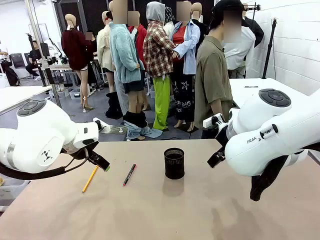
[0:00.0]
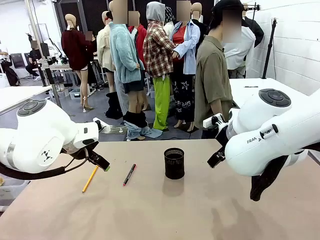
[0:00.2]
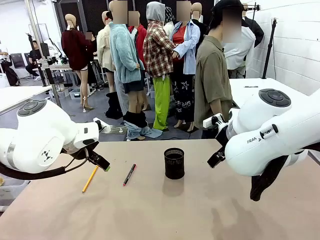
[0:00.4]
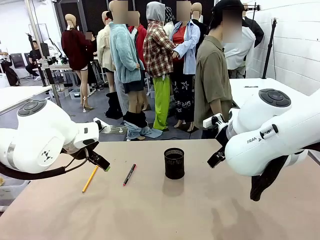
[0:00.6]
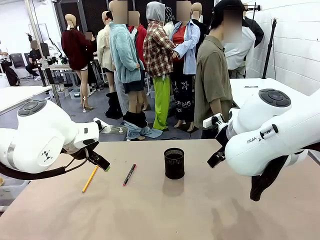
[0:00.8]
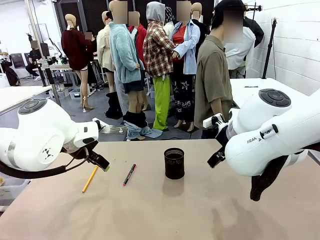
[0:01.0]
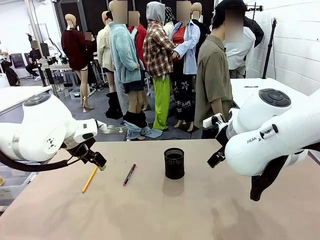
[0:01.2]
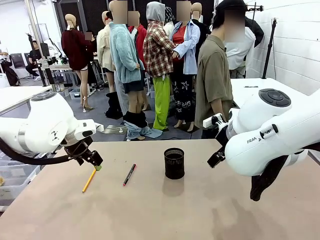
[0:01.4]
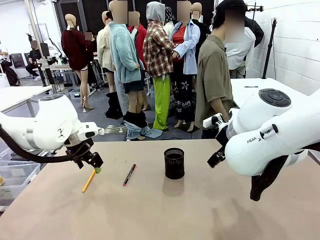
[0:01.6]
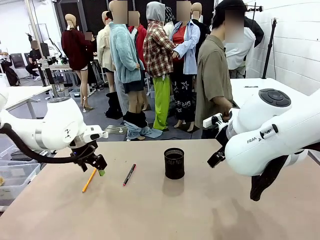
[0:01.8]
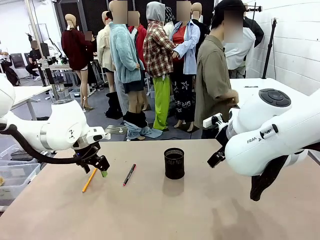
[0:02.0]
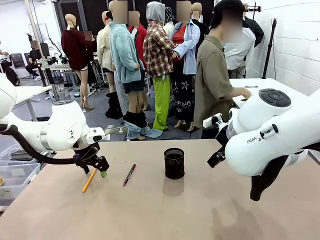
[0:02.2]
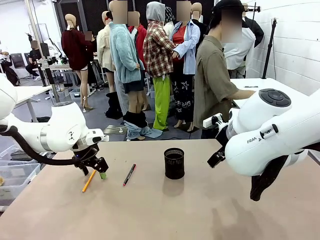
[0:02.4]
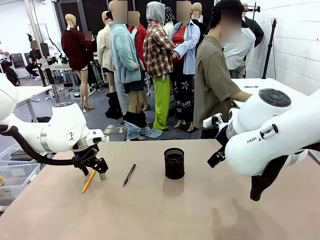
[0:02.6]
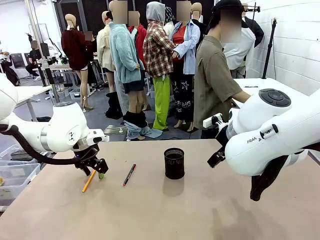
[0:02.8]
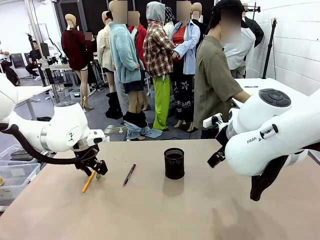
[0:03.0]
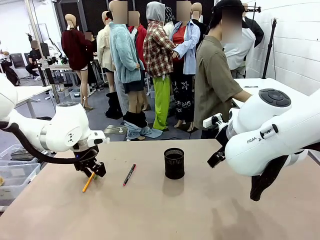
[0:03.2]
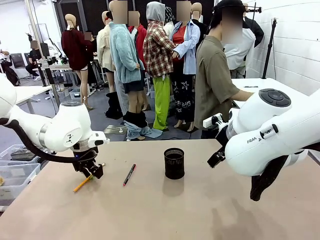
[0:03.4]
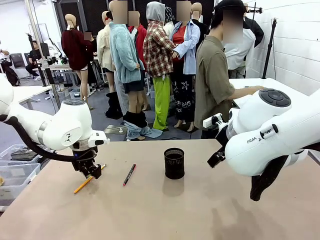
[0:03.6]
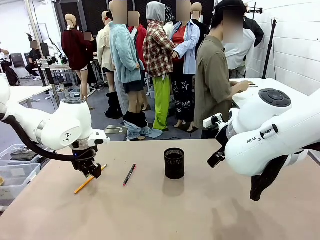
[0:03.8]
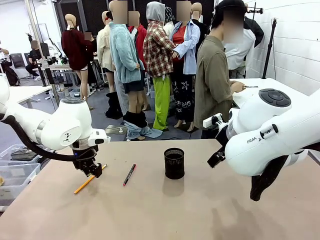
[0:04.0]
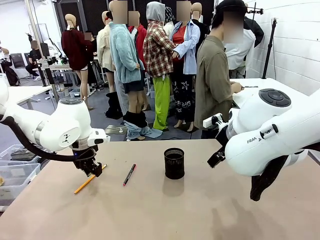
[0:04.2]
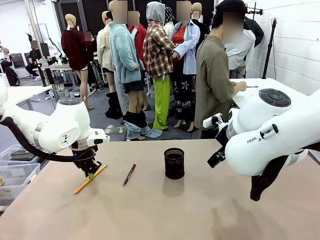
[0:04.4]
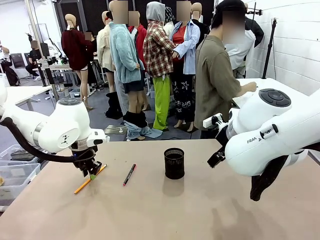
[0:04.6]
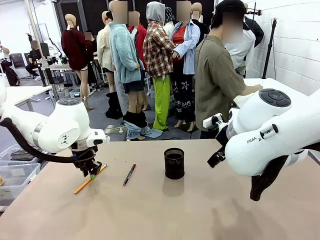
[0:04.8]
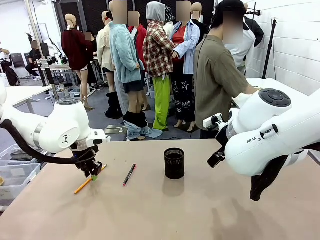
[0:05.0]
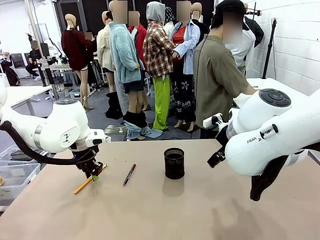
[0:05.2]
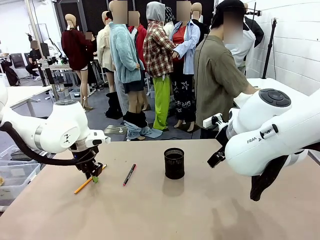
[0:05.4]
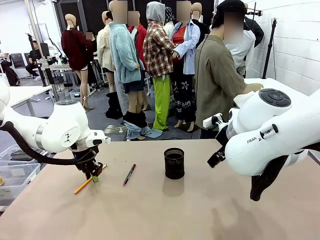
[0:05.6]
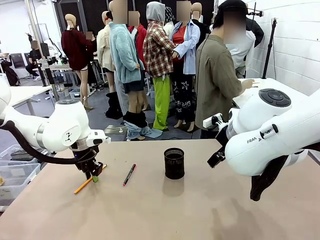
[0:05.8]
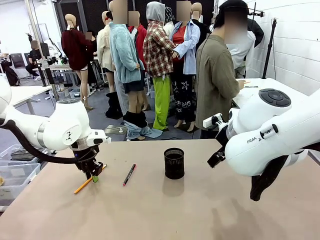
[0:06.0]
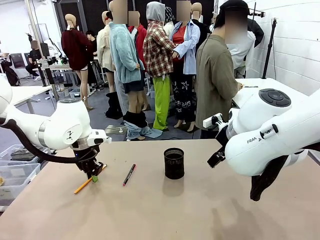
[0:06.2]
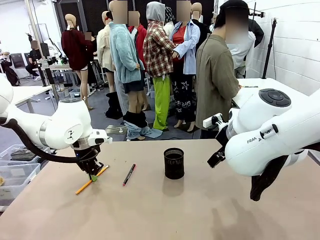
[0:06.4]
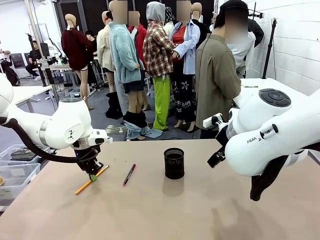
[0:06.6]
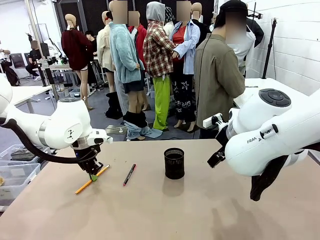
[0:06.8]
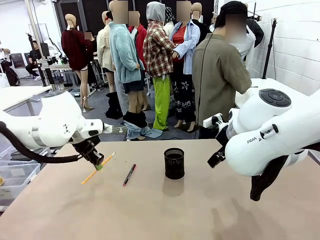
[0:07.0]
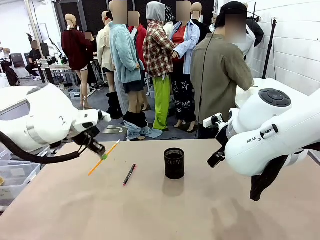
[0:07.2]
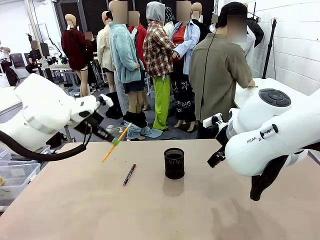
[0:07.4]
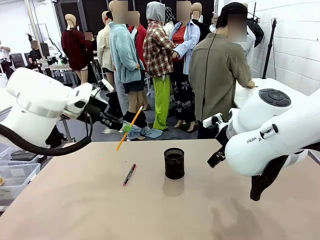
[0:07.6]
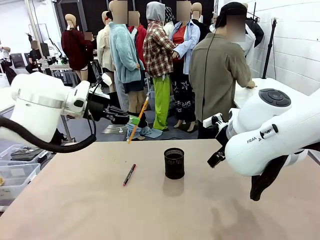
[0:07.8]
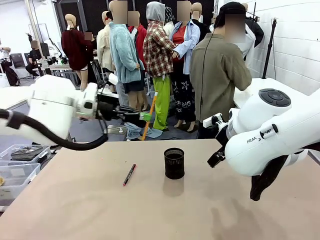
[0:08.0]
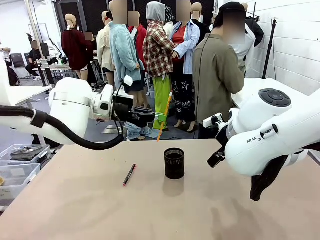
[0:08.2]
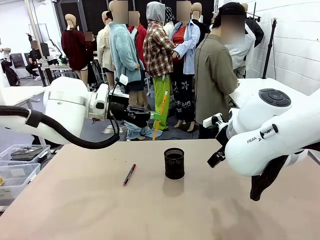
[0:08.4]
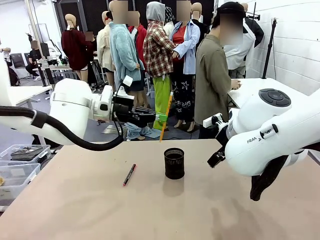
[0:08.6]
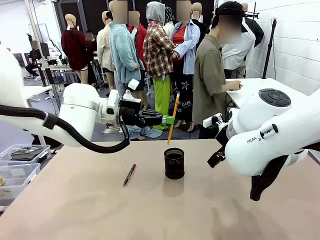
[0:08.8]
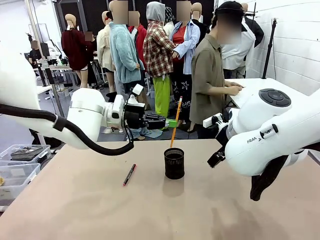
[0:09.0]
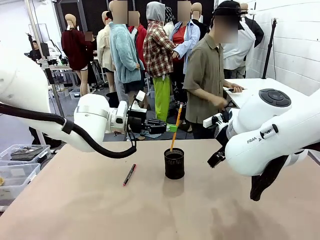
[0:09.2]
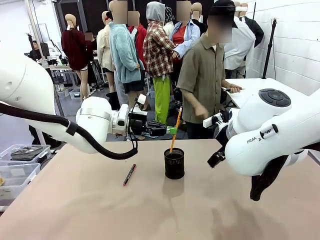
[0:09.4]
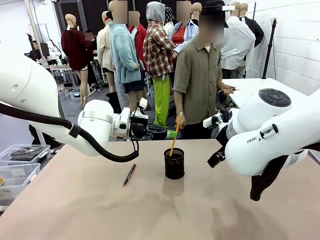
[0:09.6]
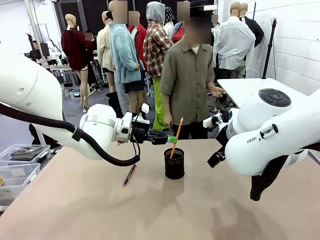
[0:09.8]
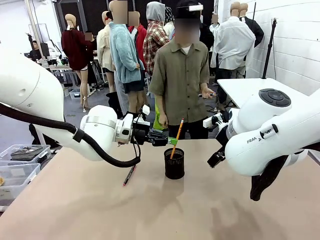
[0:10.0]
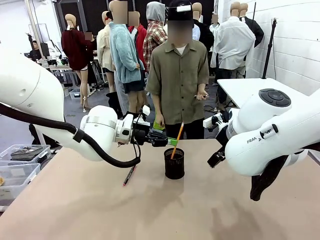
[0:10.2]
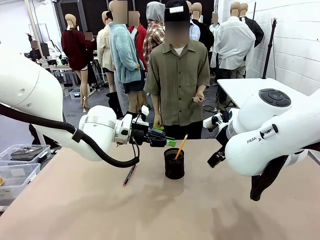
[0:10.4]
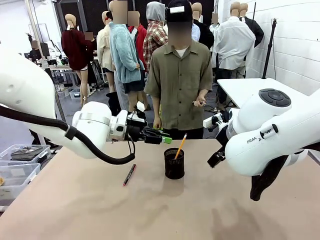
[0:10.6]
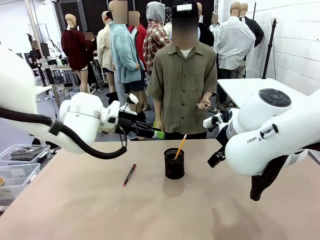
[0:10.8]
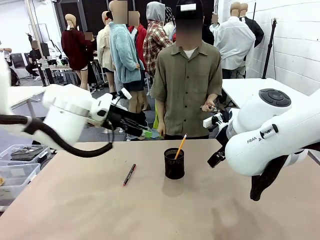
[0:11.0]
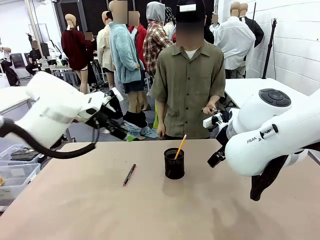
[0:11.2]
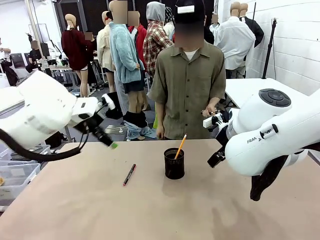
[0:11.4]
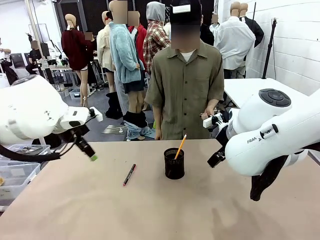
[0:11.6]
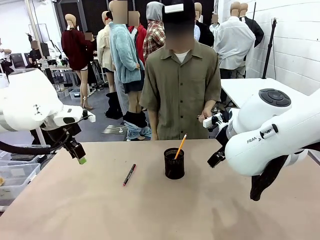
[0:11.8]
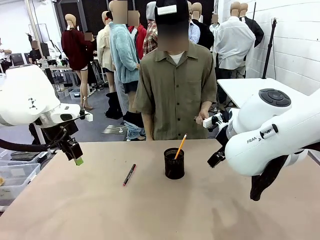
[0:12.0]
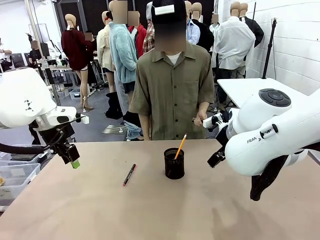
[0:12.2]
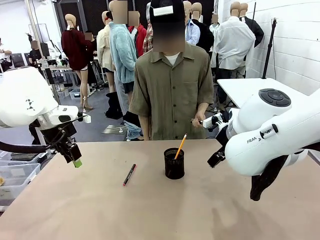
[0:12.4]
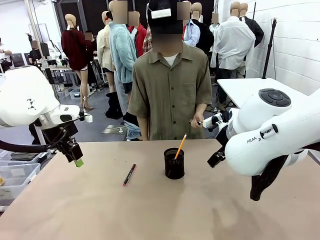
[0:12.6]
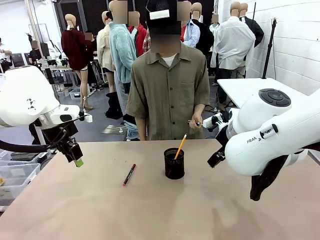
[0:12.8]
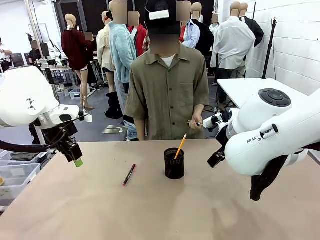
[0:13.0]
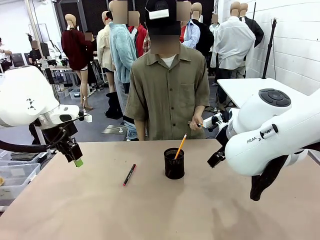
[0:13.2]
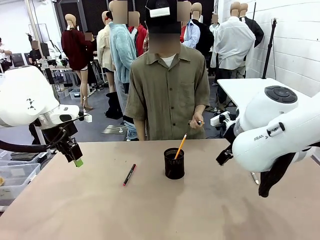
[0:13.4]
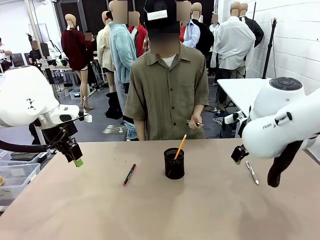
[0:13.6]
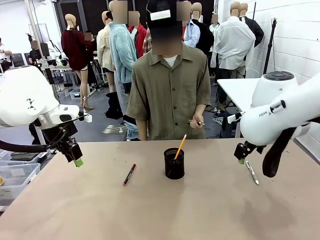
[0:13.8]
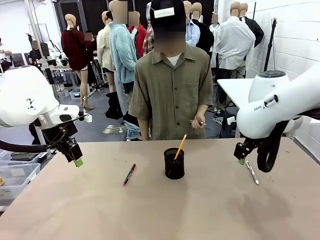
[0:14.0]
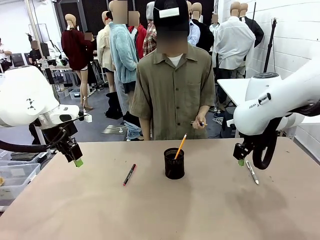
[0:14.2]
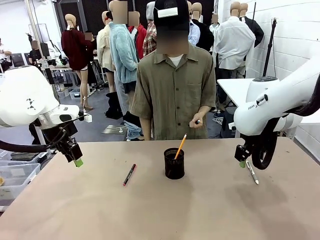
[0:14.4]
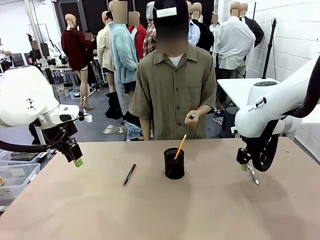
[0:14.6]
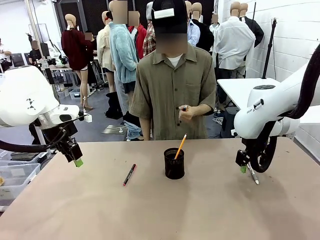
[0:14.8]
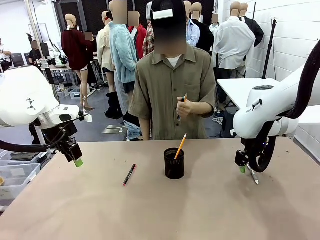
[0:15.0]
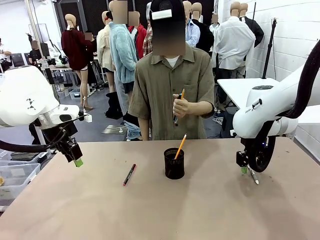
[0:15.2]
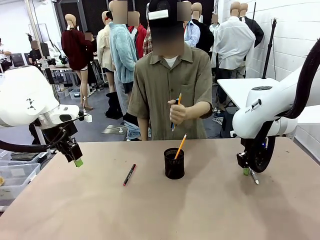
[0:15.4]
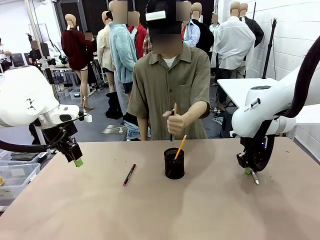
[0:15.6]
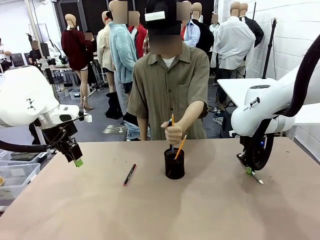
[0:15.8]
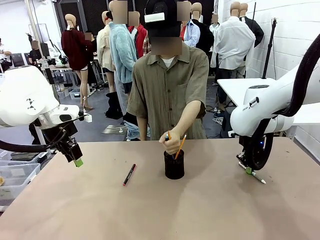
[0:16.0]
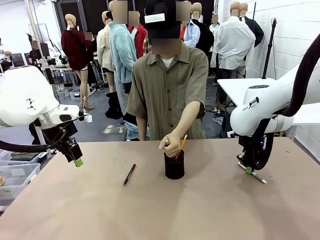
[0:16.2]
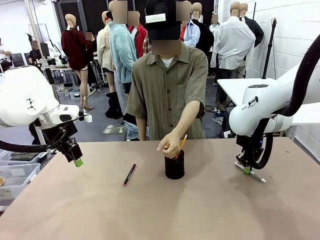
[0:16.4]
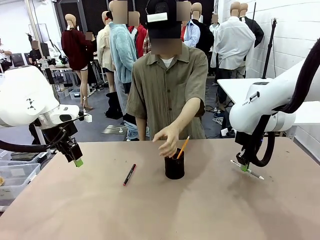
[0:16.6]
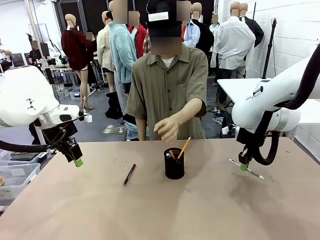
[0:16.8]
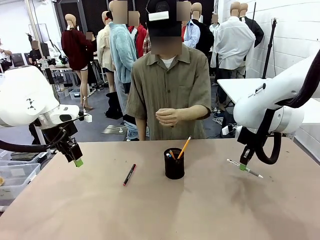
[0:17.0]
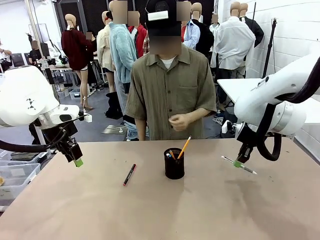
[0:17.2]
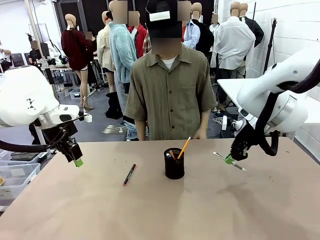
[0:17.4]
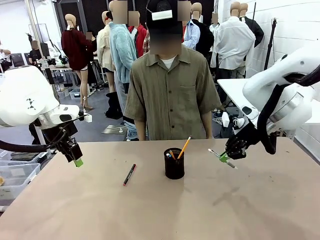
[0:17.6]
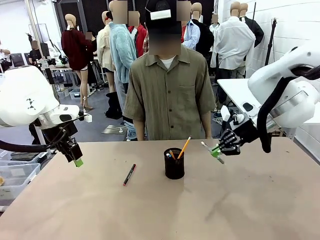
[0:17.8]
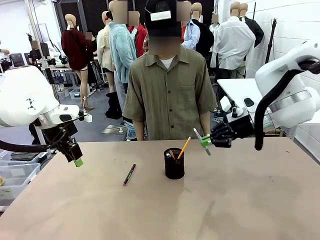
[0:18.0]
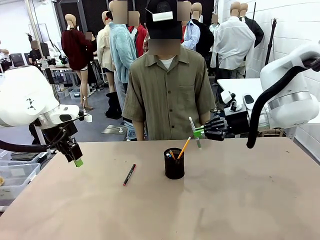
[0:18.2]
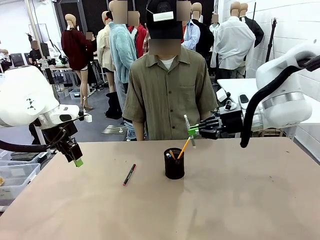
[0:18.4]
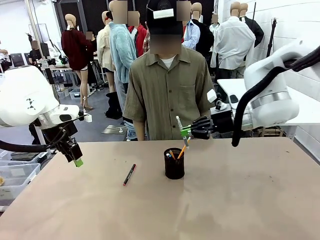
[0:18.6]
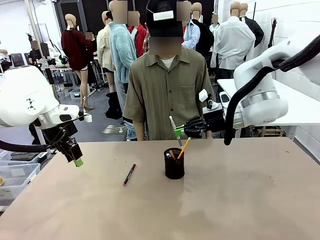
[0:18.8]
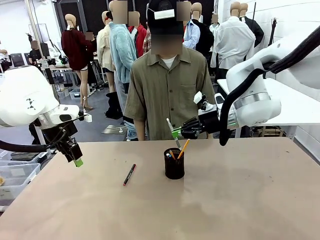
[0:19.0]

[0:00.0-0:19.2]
Task: Place the pens into the pen holder.
Robot: Pick up a writing instrument from the table and place it into the Pen holder.
Person: Pick up all writing instruments from the Human table.
